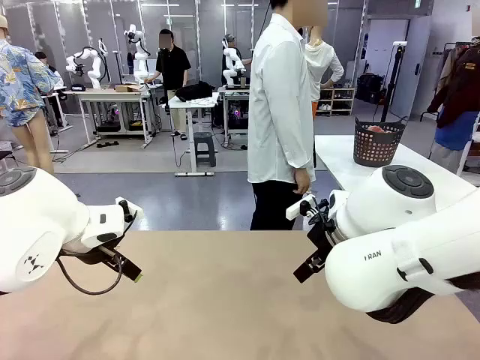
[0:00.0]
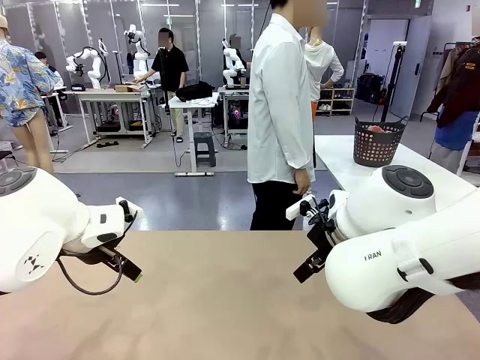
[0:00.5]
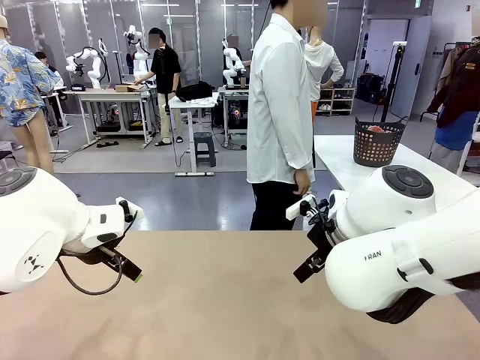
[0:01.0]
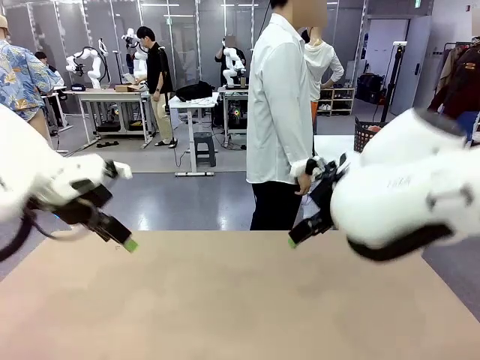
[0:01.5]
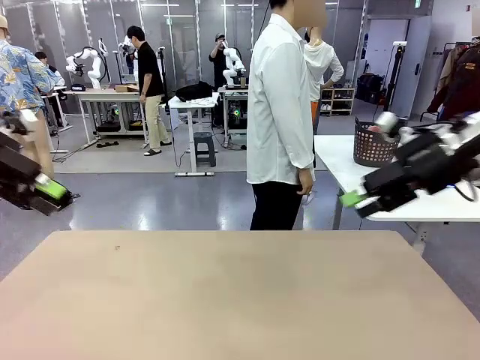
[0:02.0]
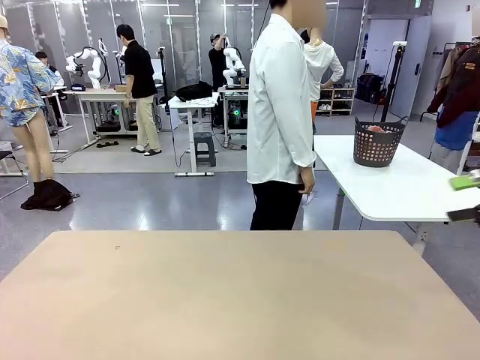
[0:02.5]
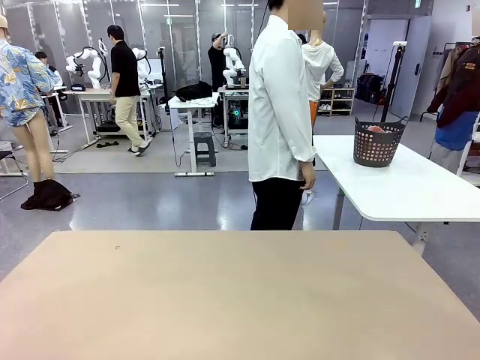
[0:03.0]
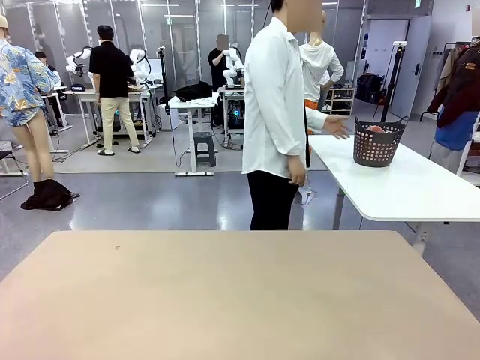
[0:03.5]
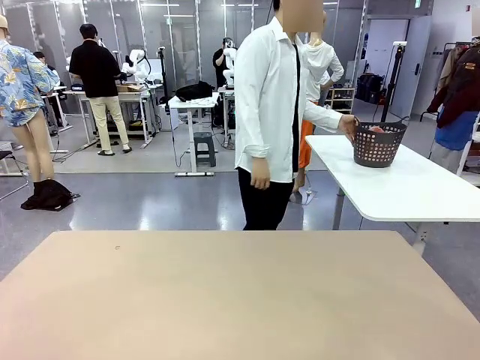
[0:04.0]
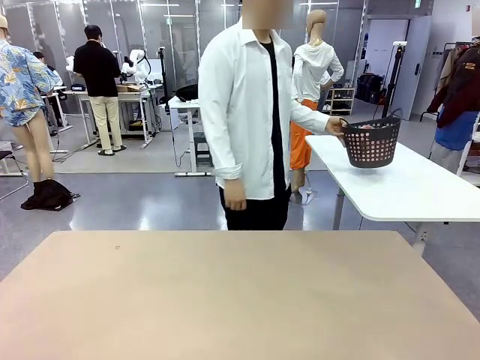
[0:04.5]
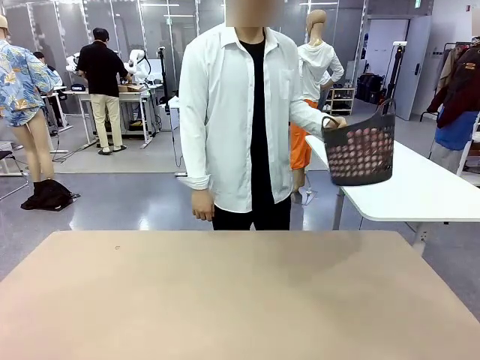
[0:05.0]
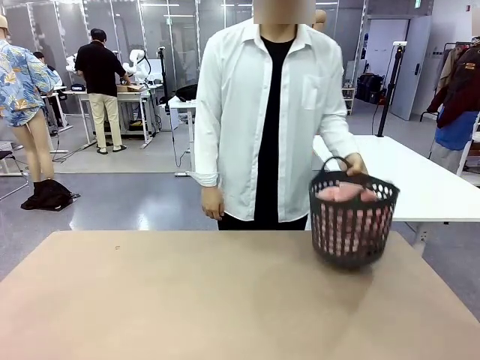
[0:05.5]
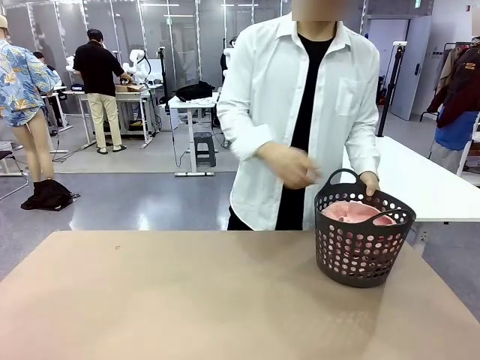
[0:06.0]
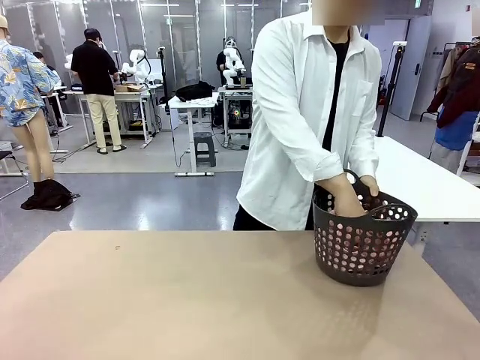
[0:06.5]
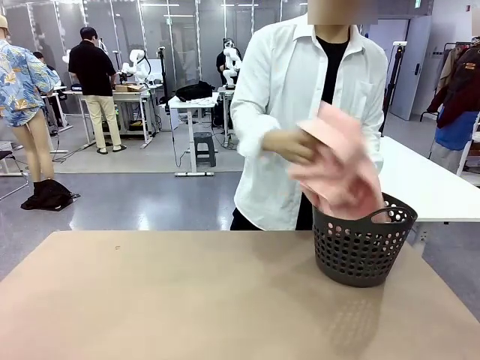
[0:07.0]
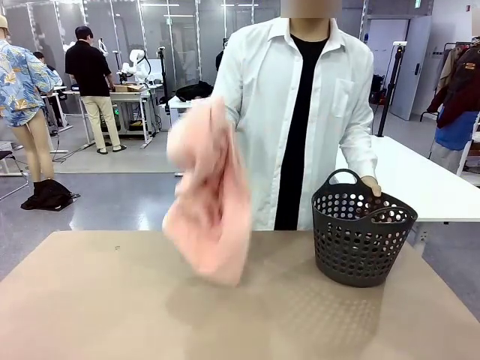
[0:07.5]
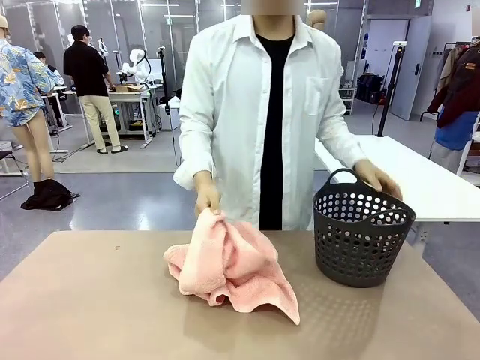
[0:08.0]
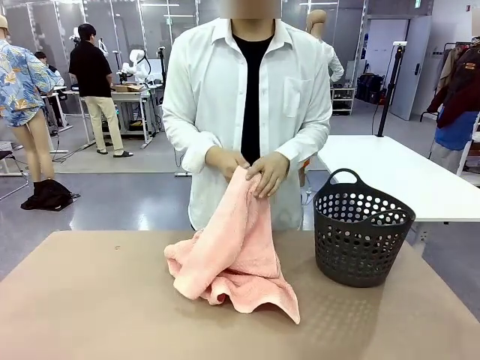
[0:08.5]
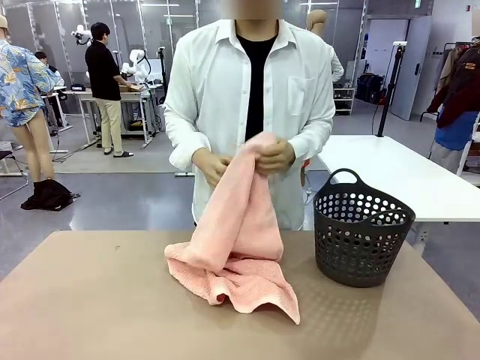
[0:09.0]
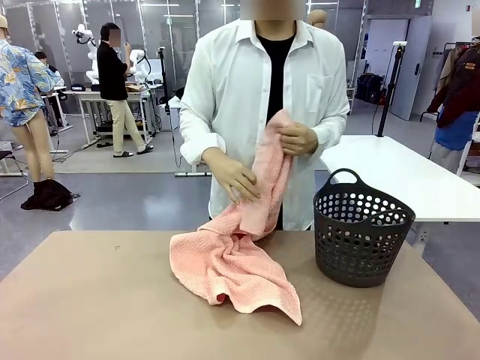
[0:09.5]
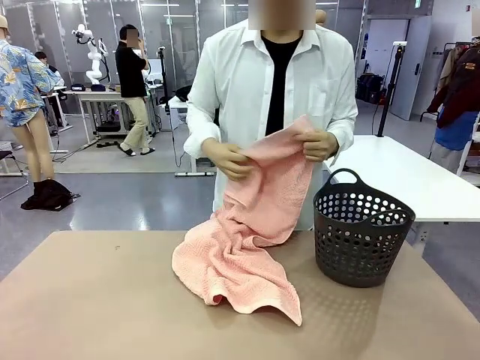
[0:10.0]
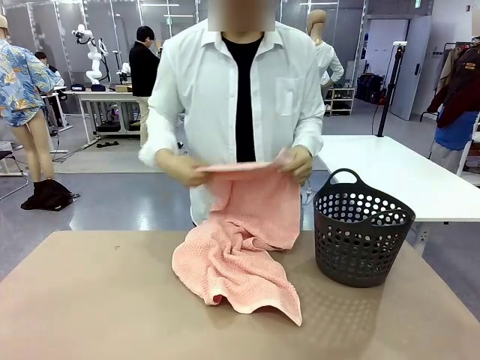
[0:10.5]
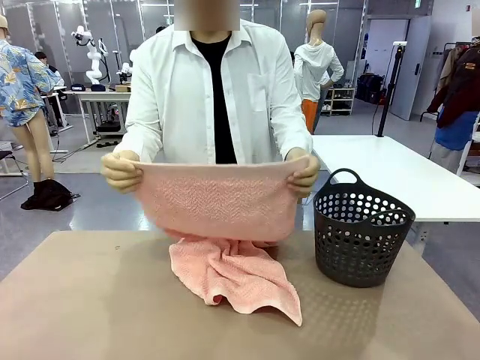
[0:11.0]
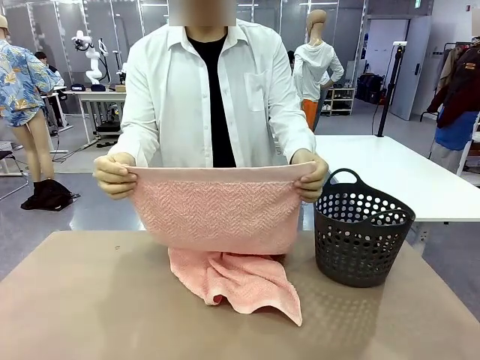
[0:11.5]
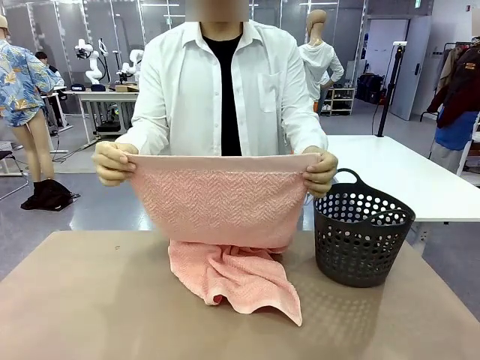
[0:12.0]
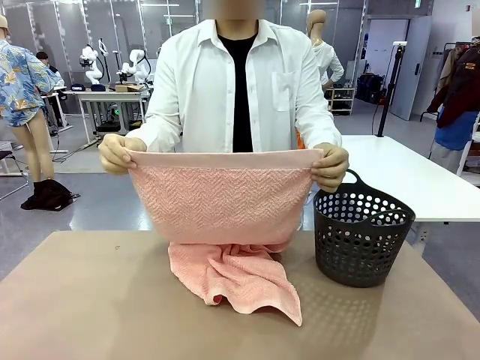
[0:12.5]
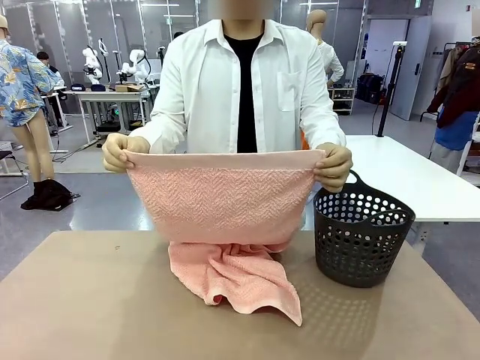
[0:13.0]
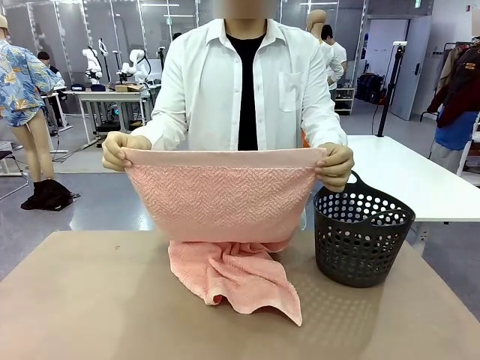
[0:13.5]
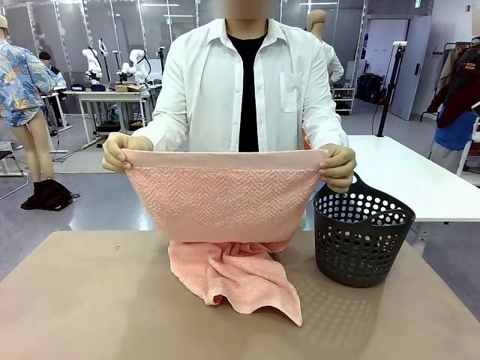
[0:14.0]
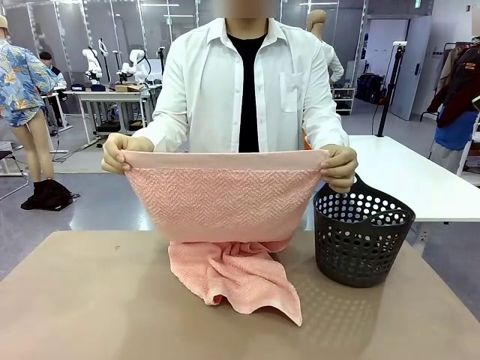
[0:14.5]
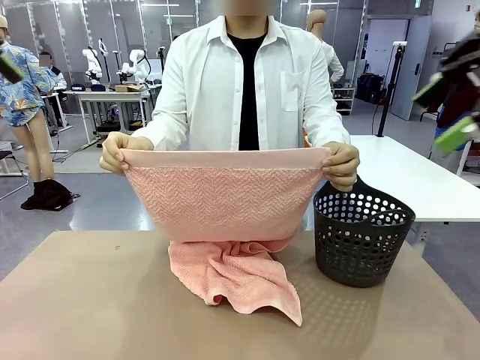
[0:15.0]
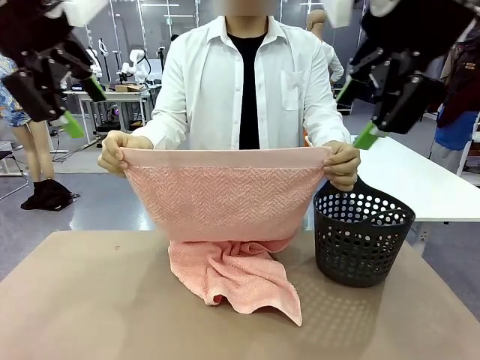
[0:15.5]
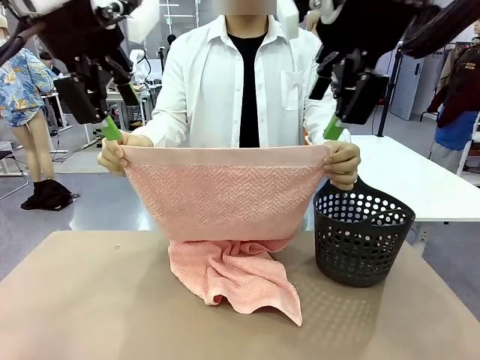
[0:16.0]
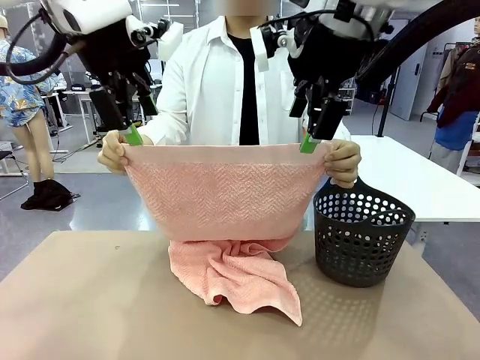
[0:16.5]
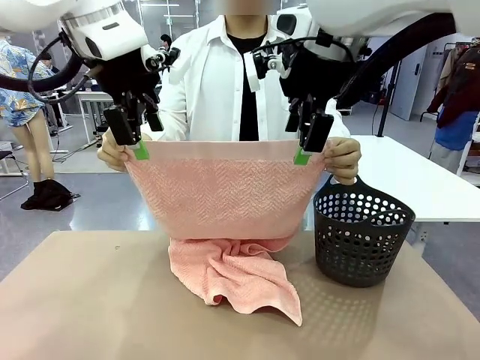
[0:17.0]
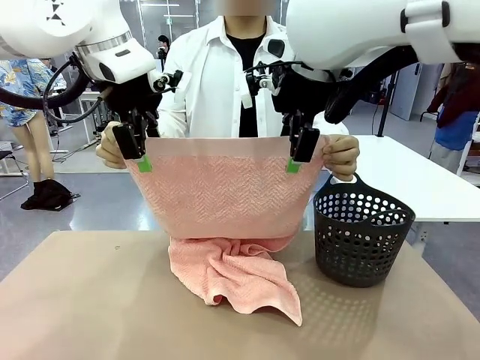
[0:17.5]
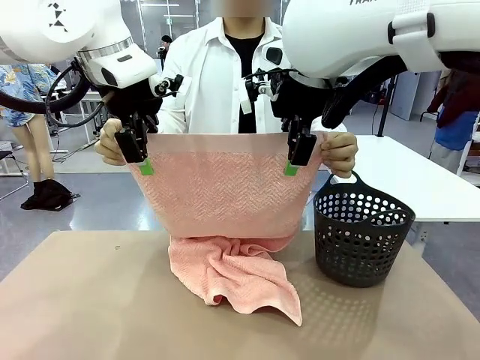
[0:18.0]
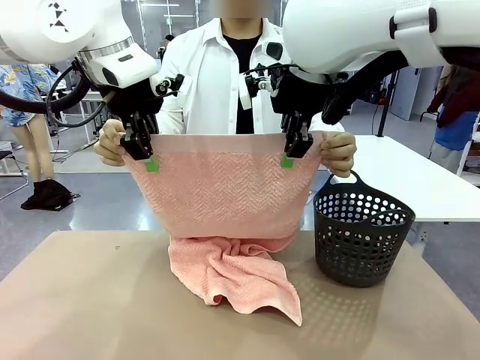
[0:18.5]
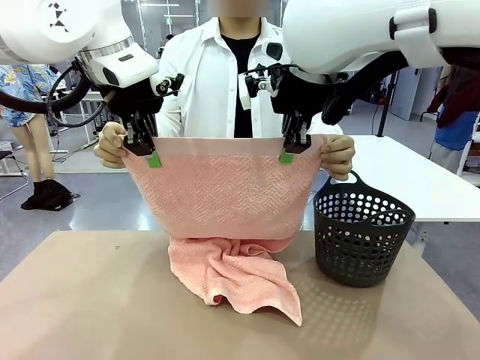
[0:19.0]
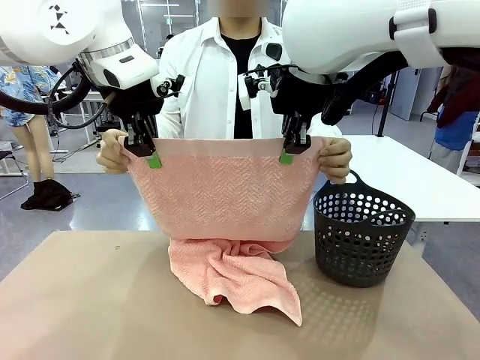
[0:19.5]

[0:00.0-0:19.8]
Task: Fold the towel.
Robot: Grab the top end of the 100 cm Hotel Towel extended by the human.
Person: Pick up the laundry basket, place it on the left side of the robot table, then take out a towel and hand it to the robot while holding both corners of one end.

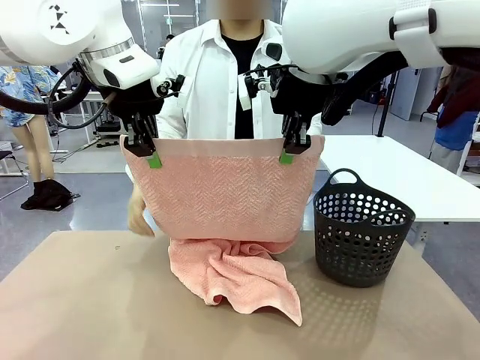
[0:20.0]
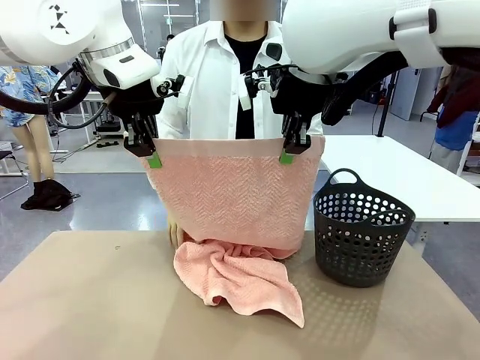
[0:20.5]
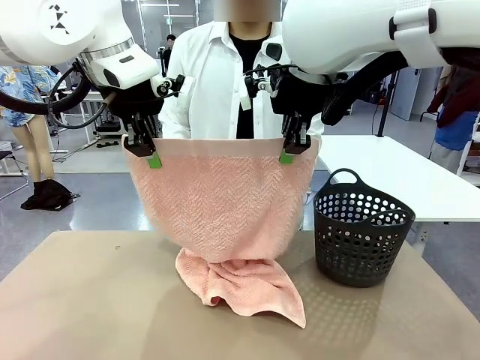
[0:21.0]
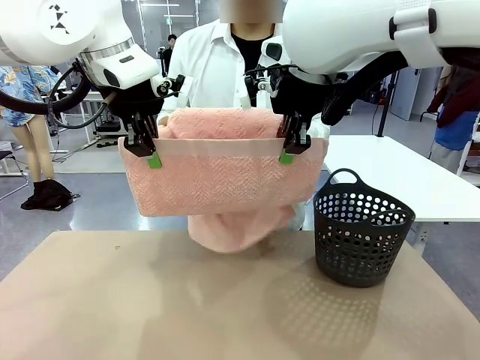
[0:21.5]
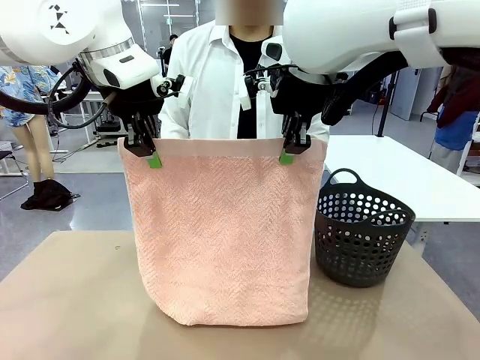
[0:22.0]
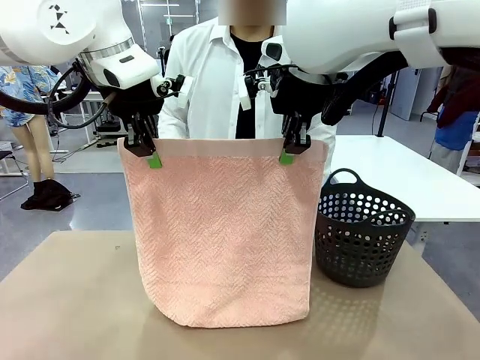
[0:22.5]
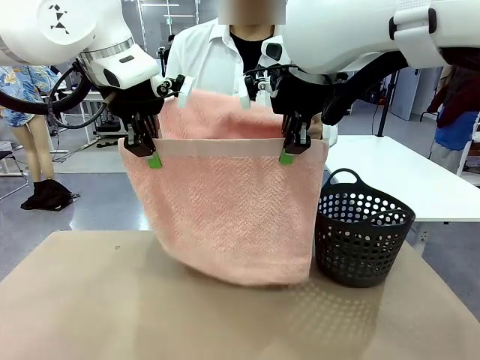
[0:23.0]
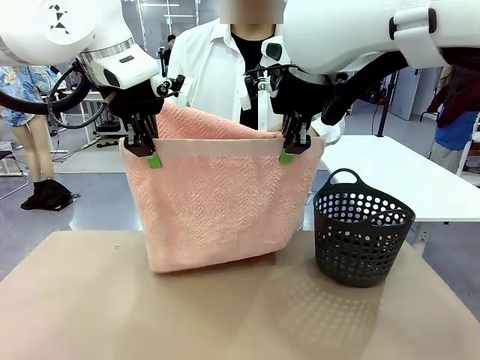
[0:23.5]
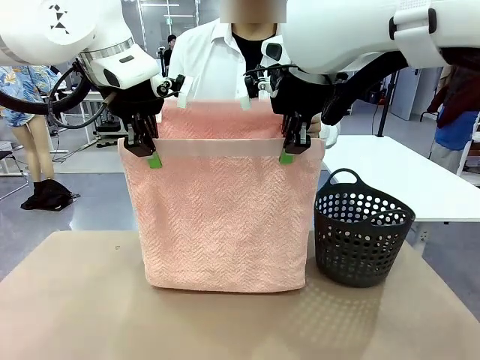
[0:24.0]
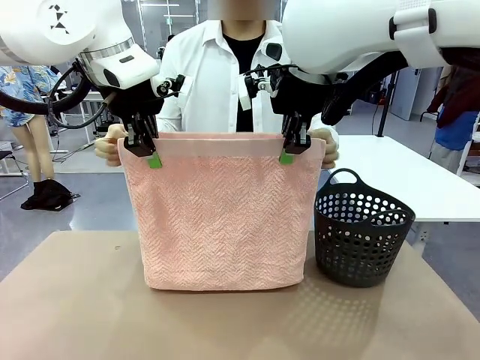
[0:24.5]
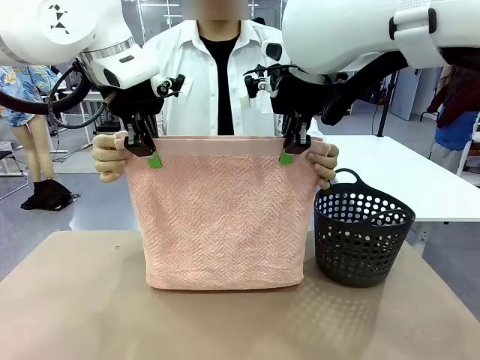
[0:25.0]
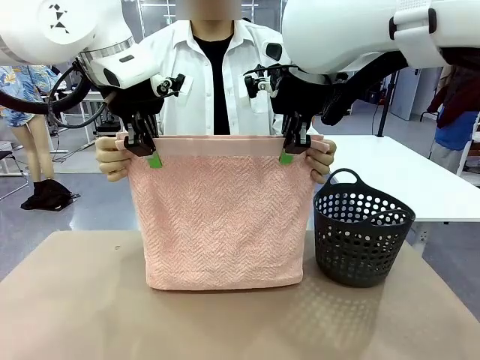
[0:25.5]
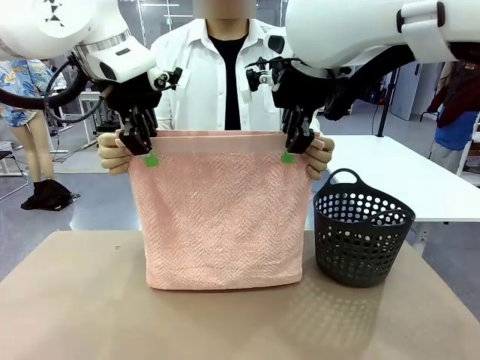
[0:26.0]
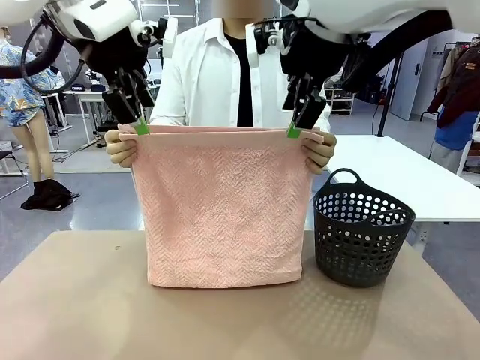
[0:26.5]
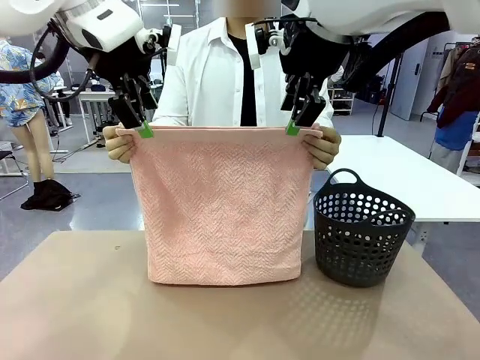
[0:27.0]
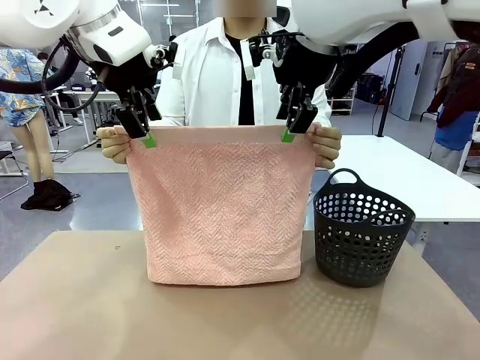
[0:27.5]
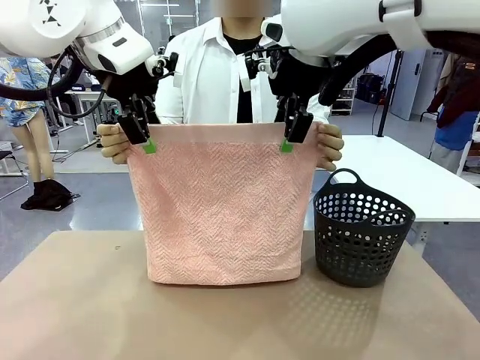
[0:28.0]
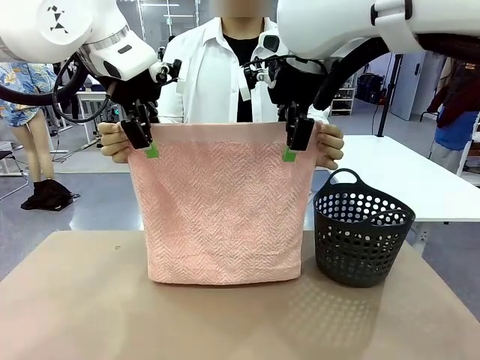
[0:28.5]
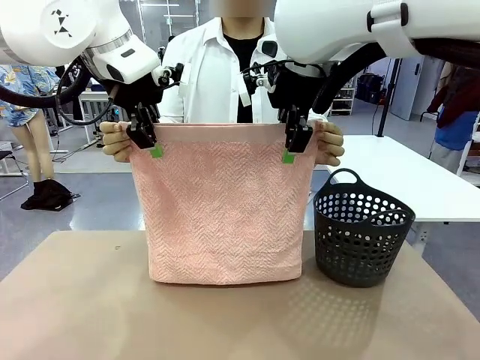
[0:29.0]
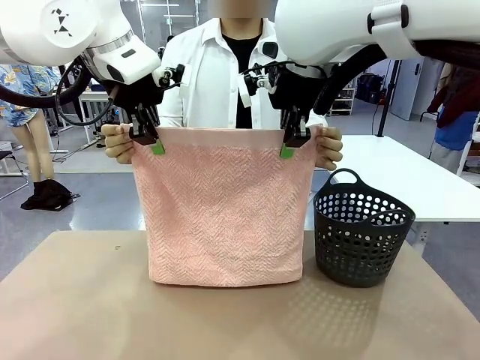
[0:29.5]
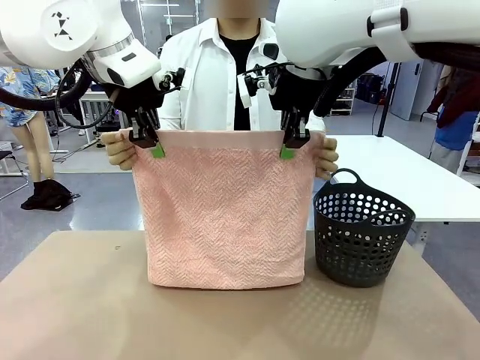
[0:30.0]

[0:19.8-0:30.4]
Robot: Release the end of the 100 cm Hotel Towel you were holding and grab the top end of the folded side.
